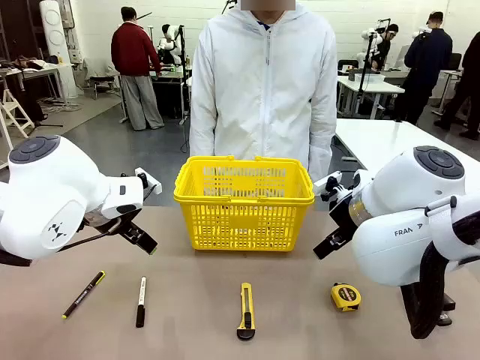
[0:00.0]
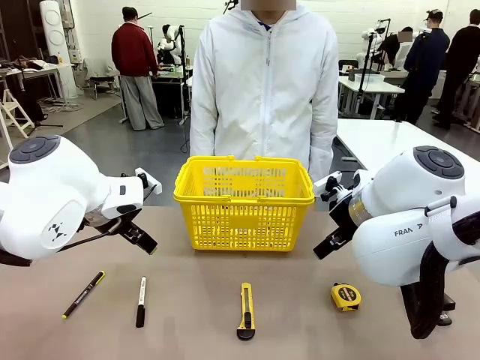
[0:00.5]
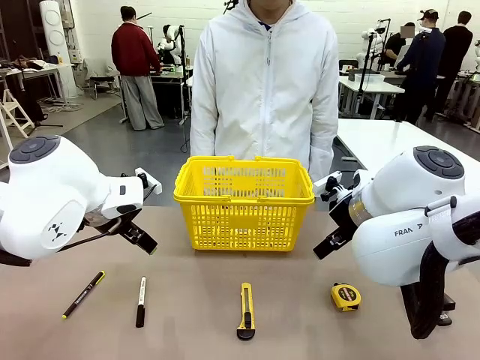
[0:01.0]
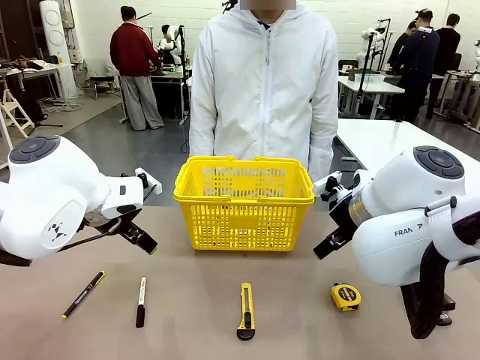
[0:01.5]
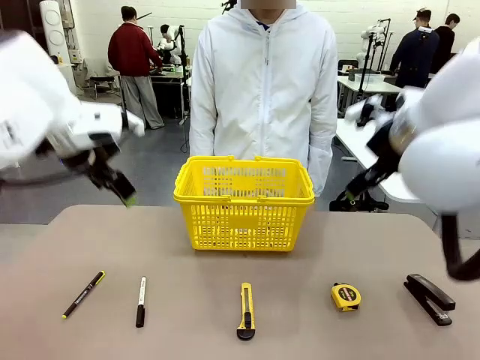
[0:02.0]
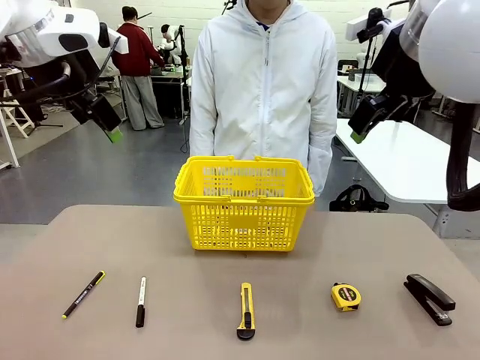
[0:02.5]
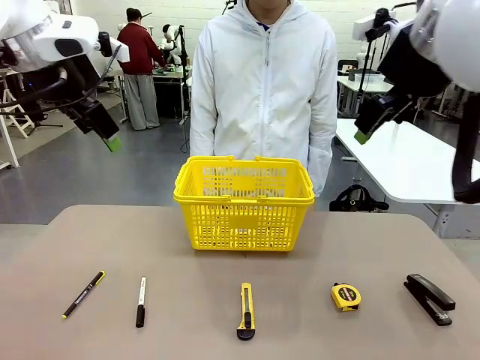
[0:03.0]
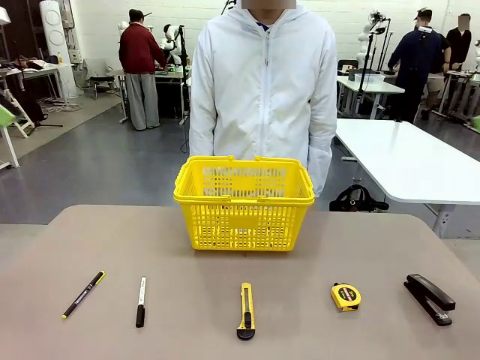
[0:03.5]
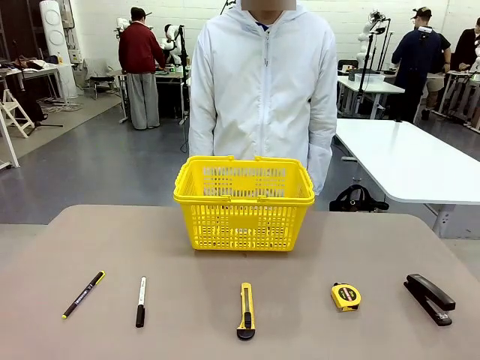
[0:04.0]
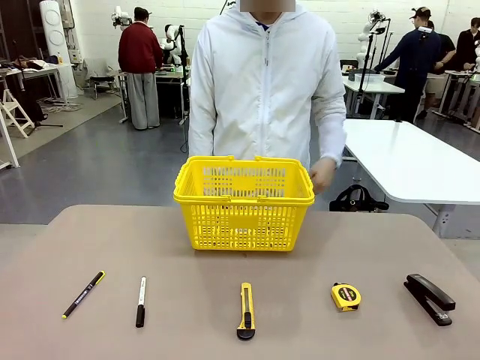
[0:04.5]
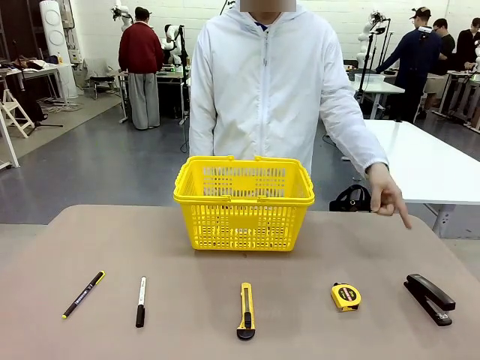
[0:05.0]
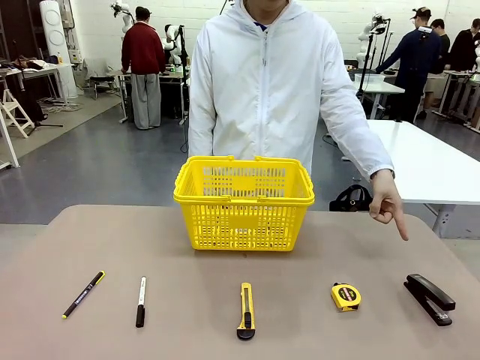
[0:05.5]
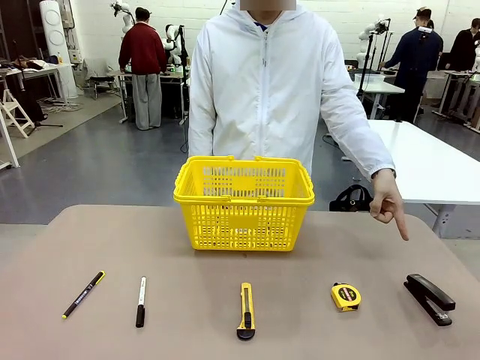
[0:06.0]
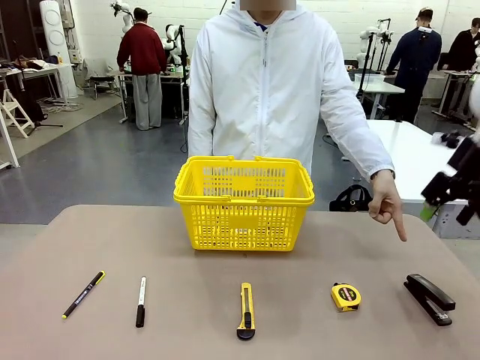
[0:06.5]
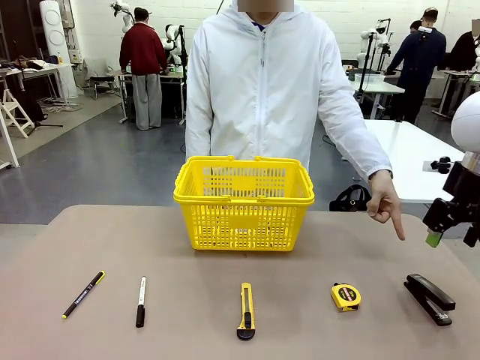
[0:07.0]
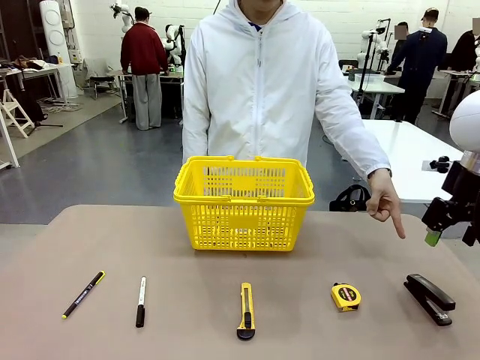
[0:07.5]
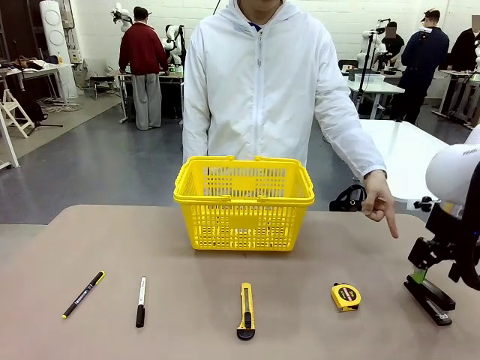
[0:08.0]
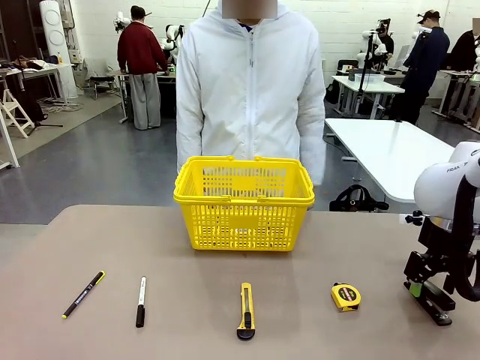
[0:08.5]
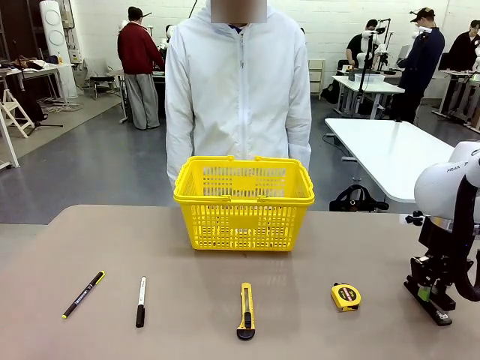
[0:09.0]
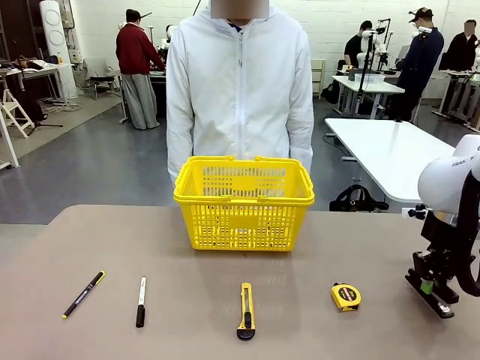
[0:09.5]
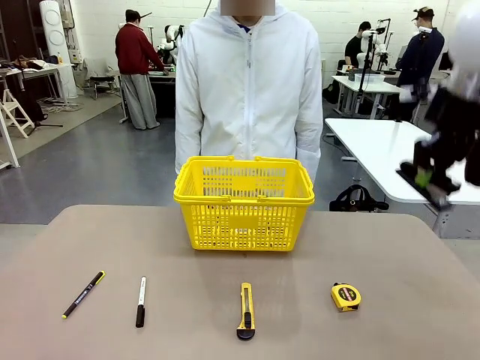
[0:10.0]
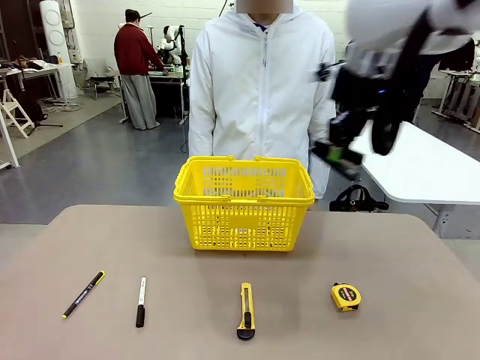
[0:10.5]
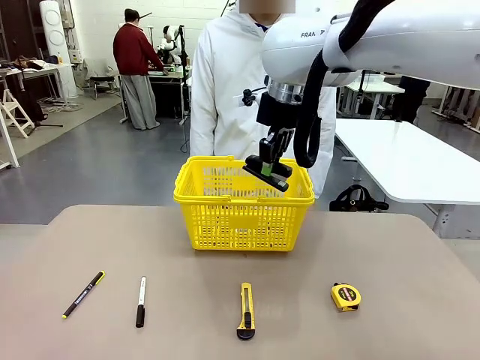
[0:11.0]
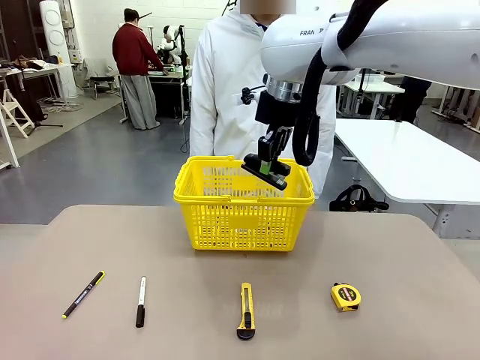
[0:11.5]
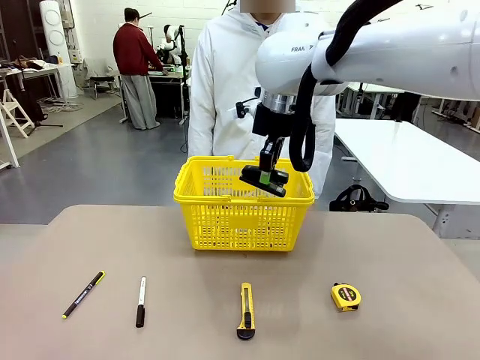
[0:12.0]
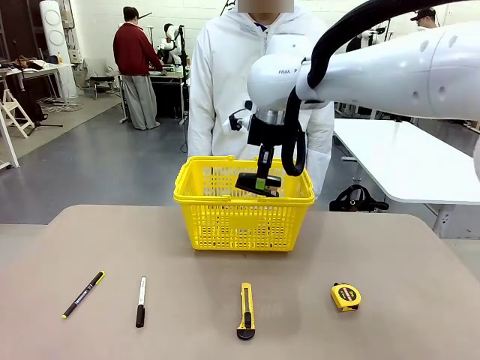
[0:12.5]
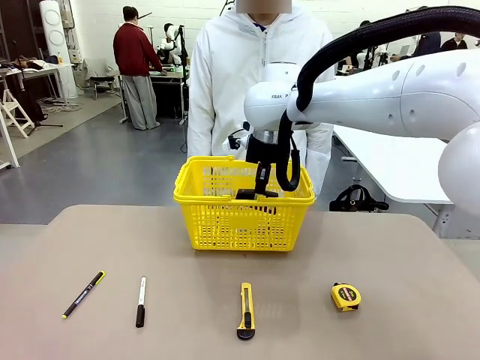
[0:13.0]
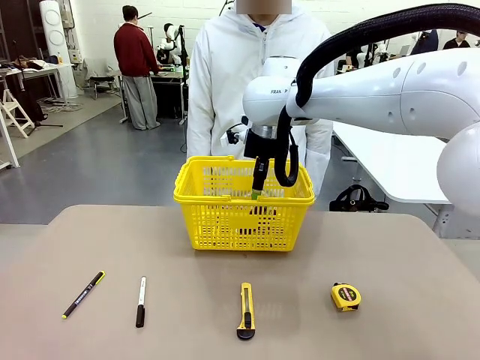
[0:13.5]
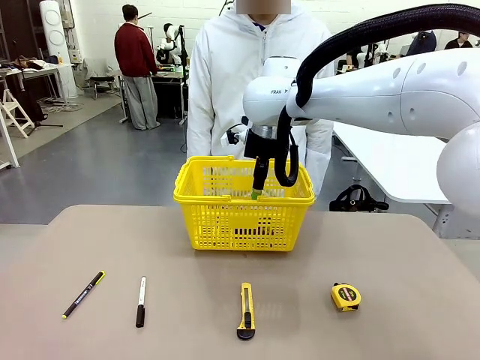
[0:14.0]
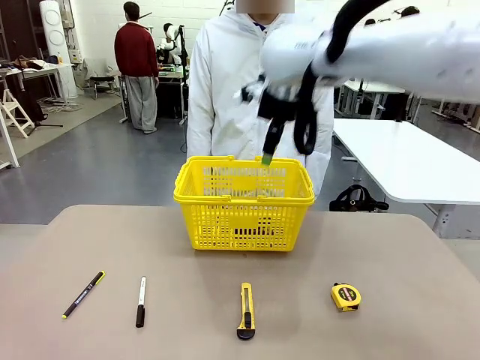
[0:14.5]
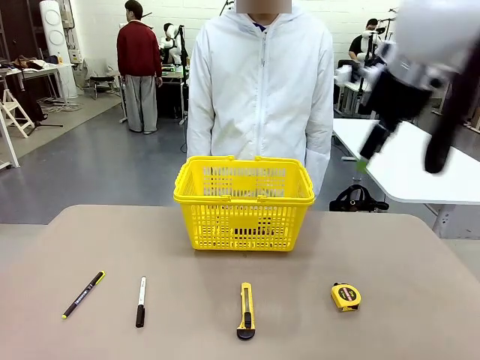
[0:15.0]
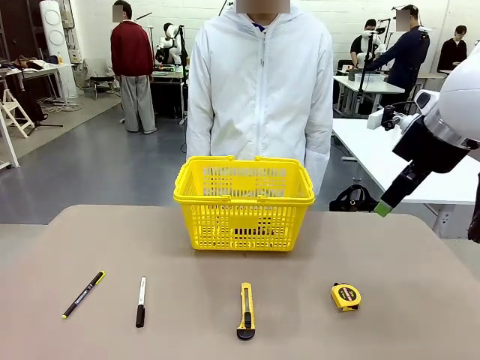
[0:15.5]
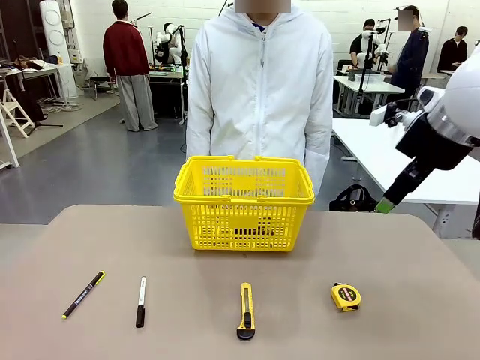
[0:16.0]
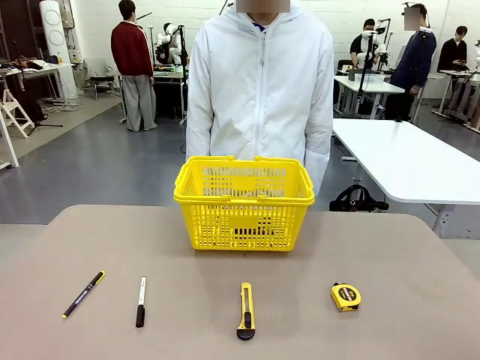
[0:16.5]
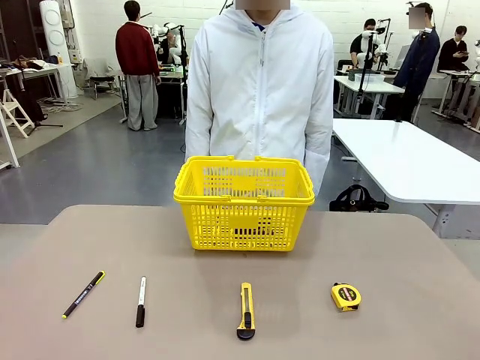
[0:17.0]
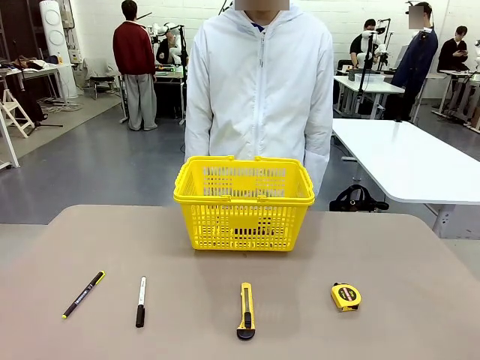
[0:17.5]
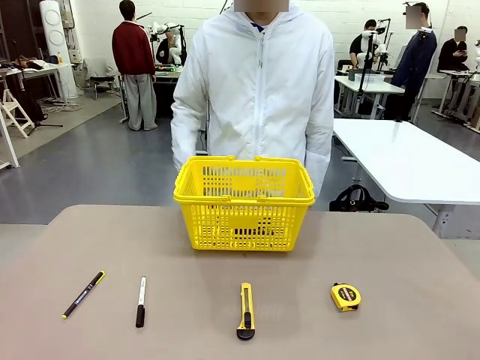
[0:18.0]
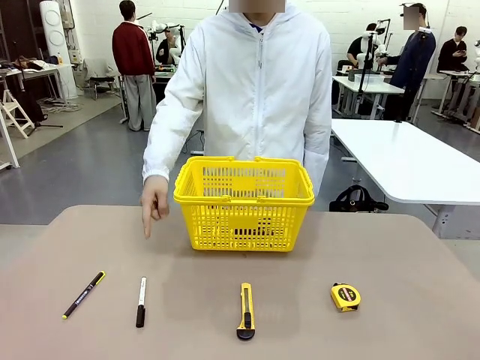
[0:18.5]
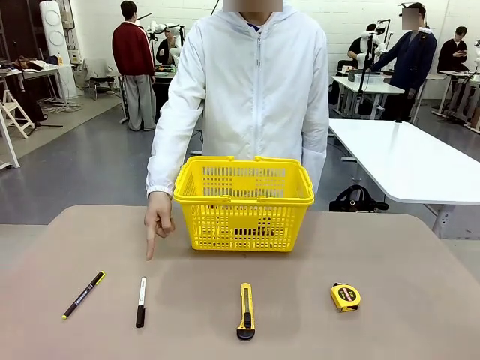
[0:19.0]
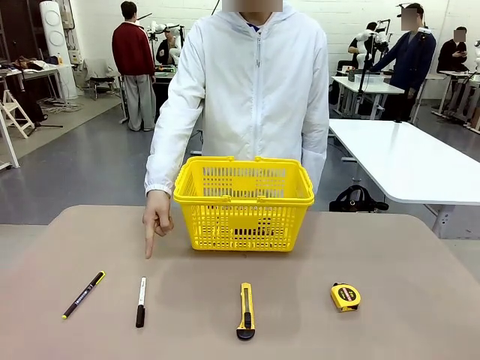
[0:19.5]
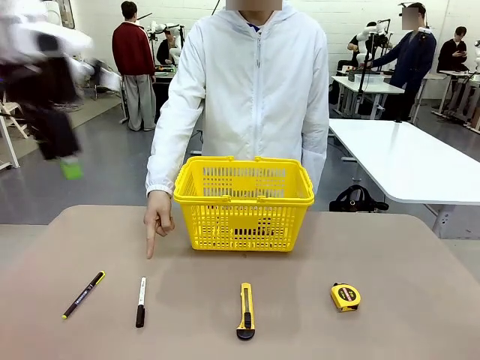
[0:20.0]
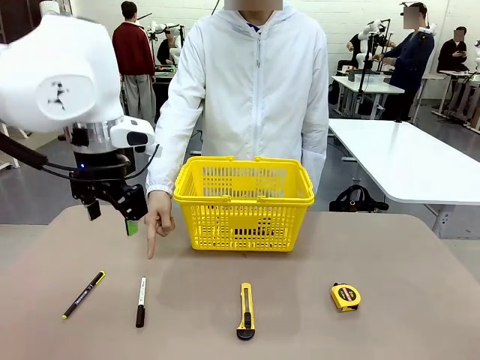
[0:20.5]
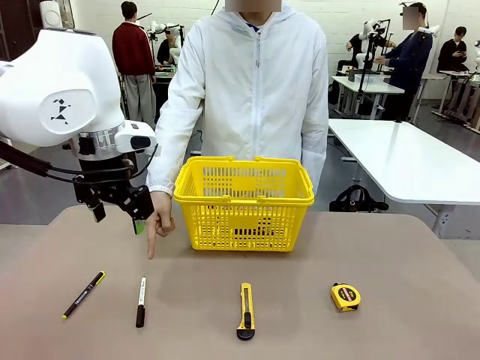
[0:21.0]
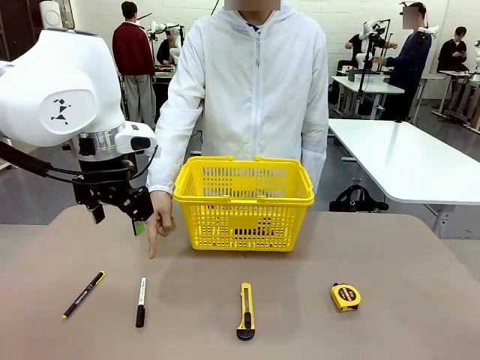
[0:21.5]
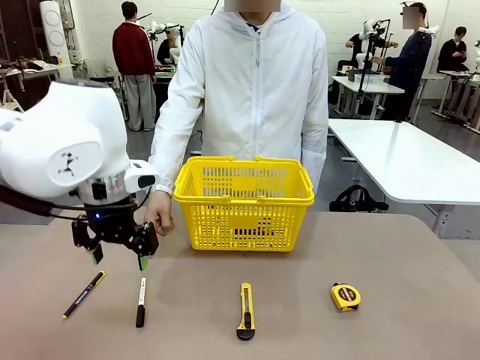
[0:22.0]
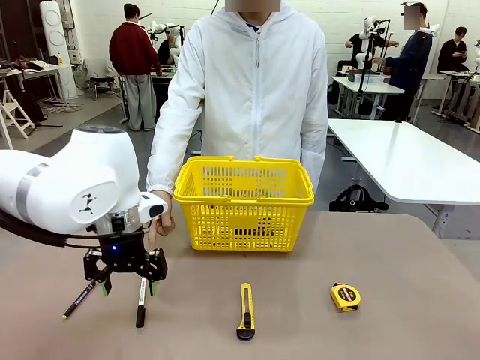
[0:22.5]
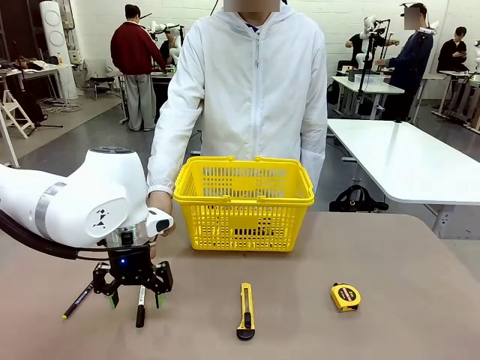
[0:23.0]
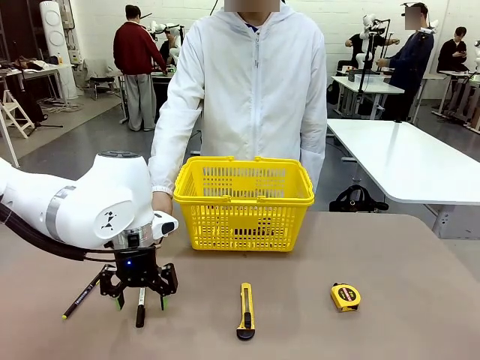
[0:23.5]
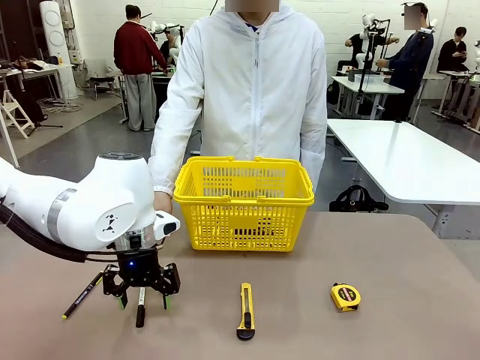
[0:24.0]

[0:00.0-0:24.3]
Task: Place the items the person wants into the basket.
Robot: Pick up the item the person points to and place it in the Market Basket.
